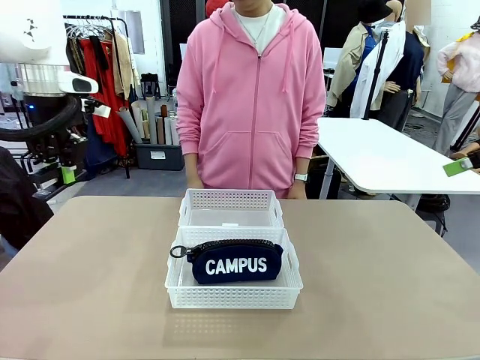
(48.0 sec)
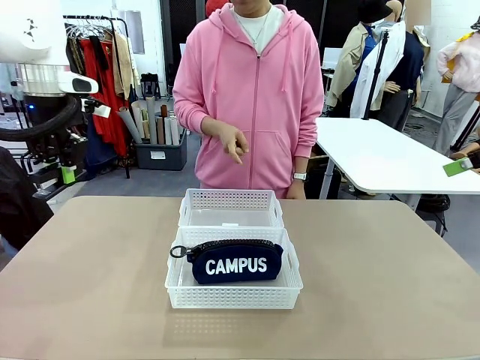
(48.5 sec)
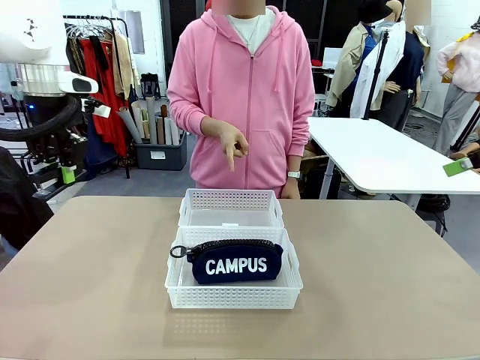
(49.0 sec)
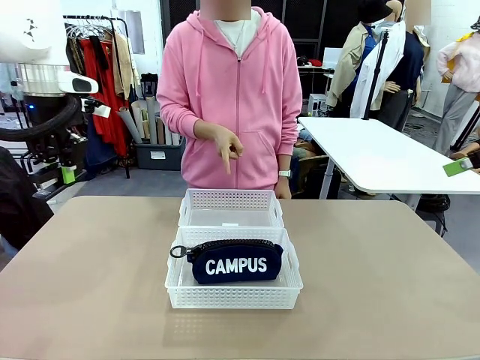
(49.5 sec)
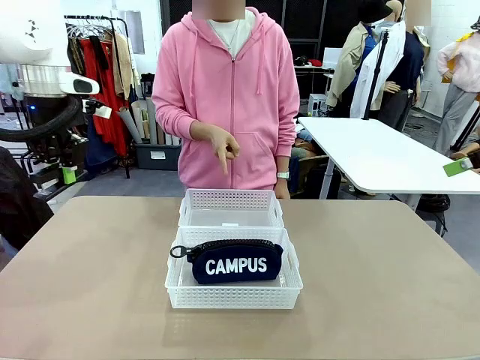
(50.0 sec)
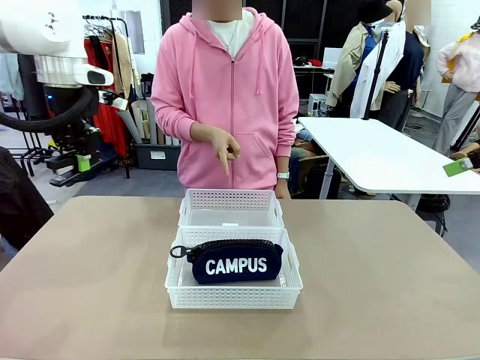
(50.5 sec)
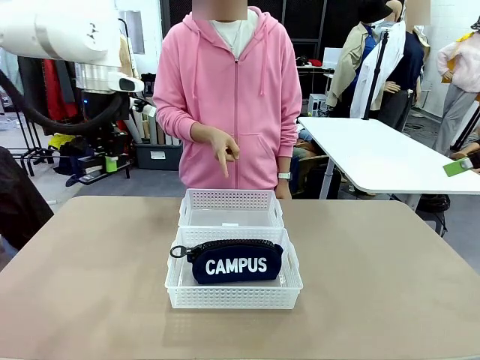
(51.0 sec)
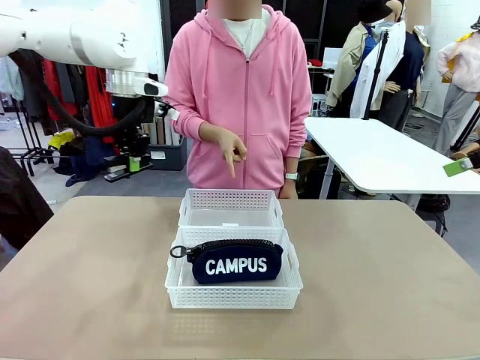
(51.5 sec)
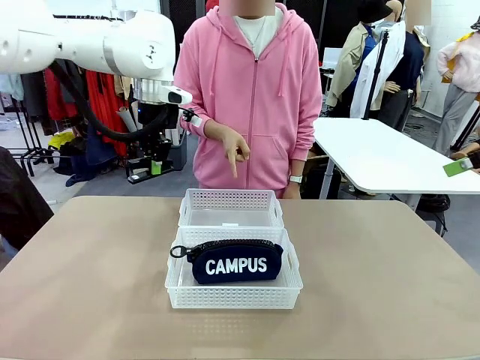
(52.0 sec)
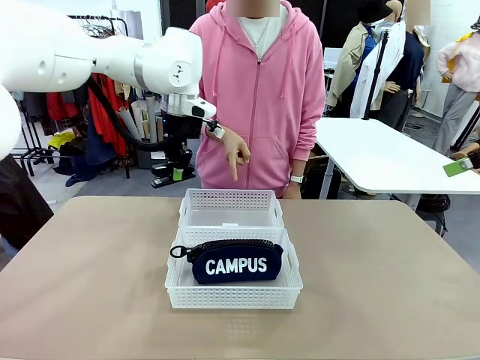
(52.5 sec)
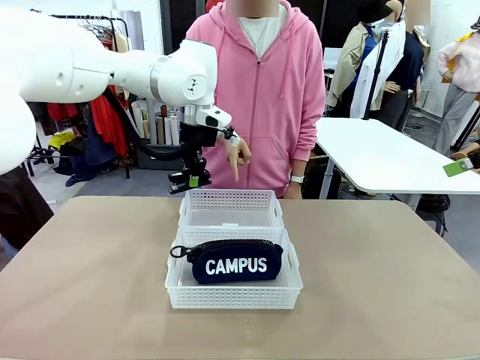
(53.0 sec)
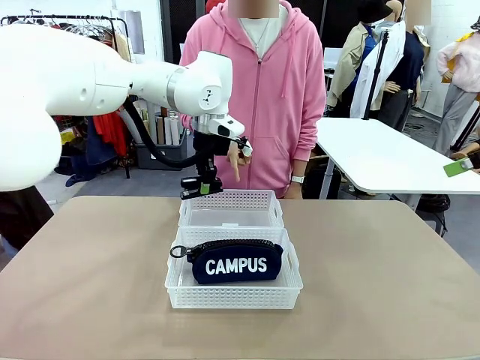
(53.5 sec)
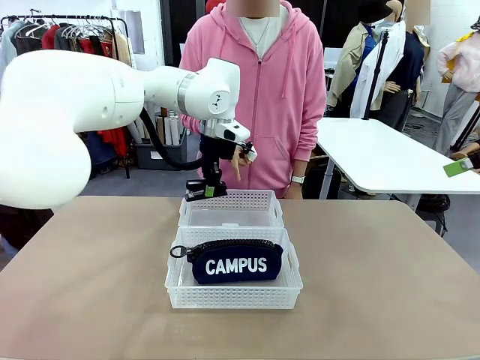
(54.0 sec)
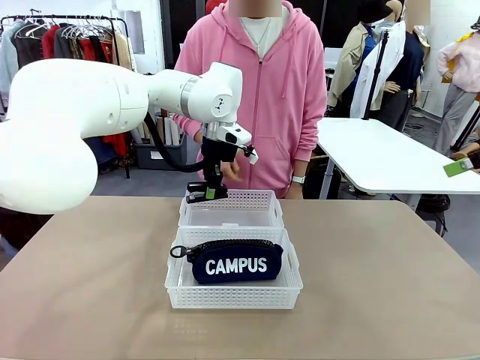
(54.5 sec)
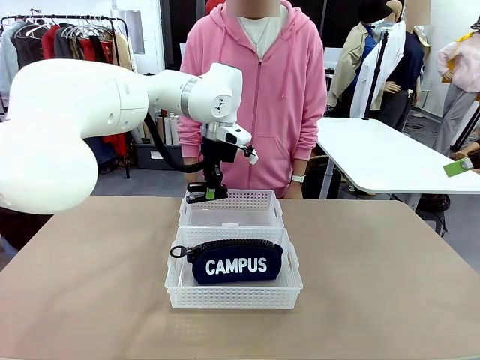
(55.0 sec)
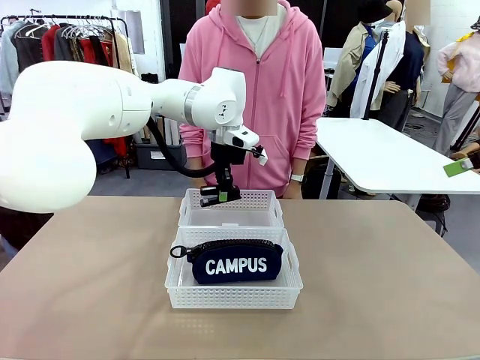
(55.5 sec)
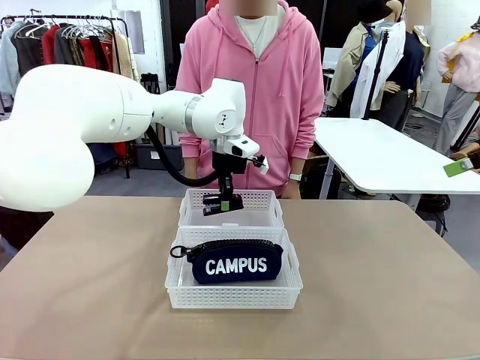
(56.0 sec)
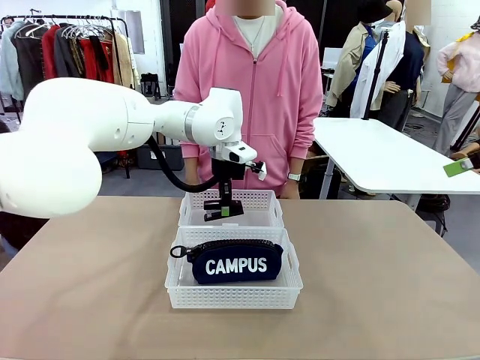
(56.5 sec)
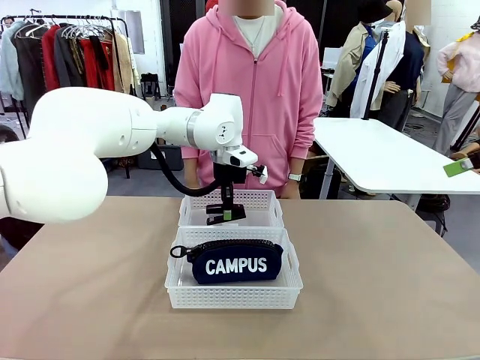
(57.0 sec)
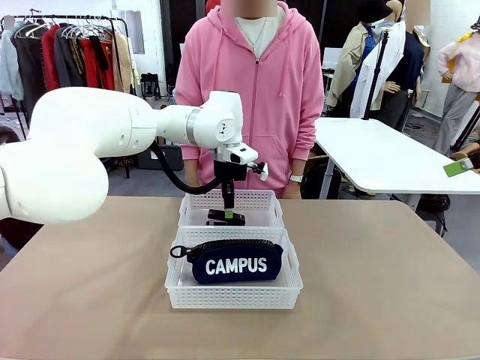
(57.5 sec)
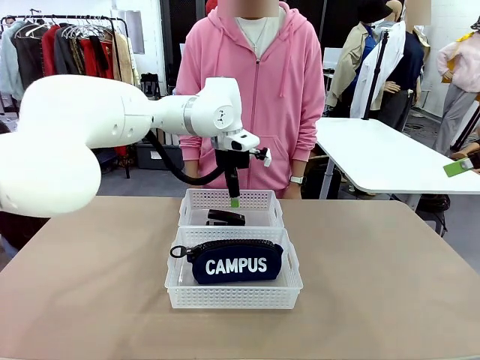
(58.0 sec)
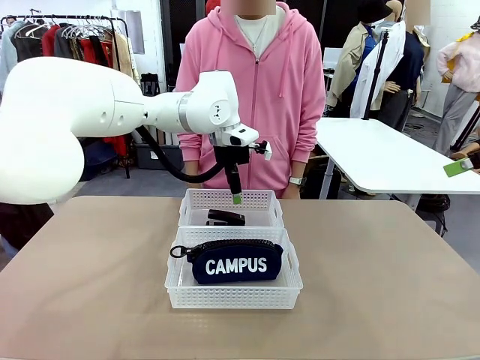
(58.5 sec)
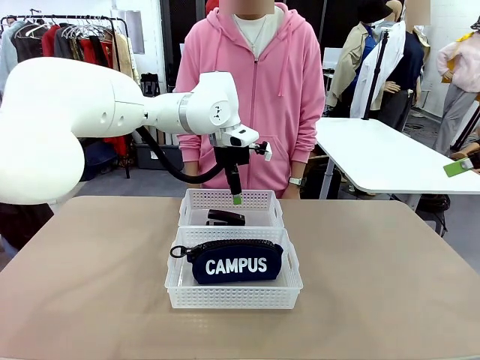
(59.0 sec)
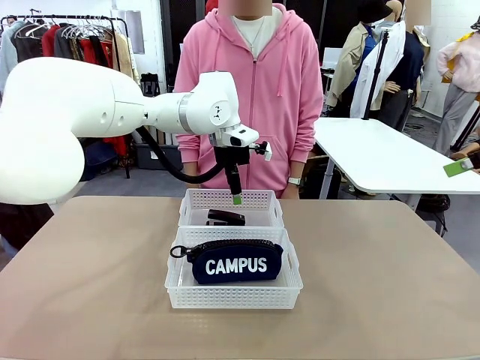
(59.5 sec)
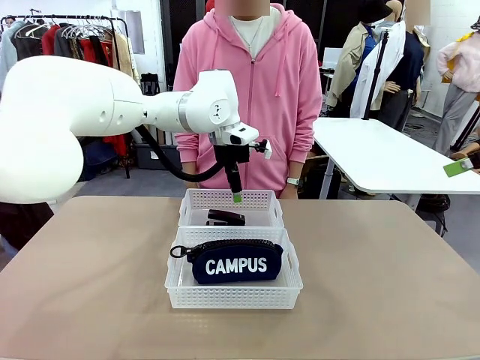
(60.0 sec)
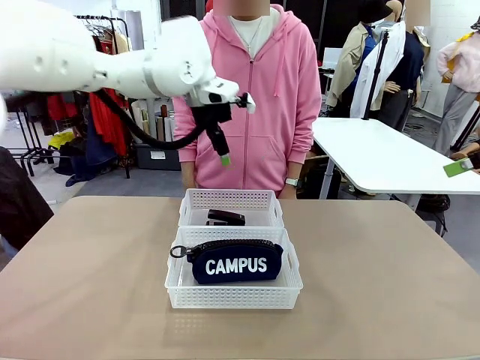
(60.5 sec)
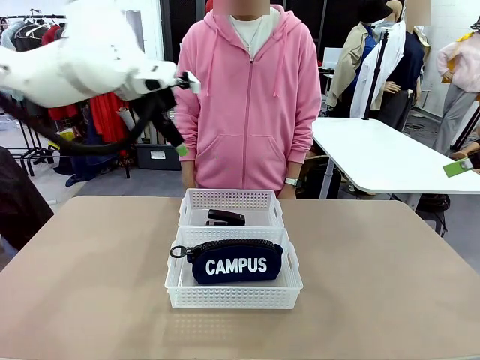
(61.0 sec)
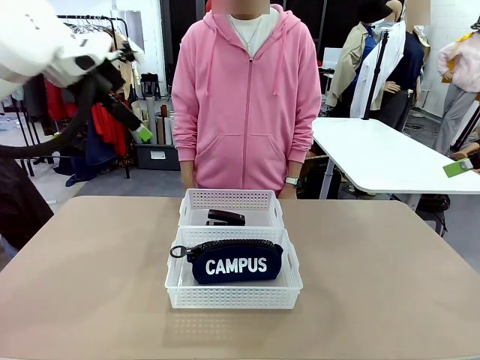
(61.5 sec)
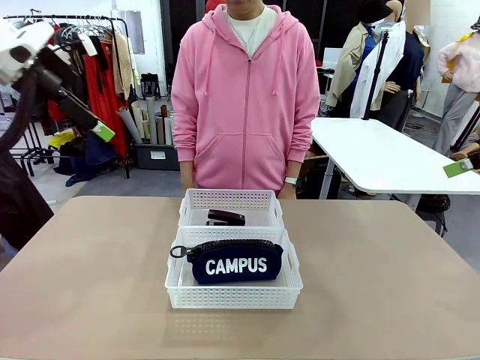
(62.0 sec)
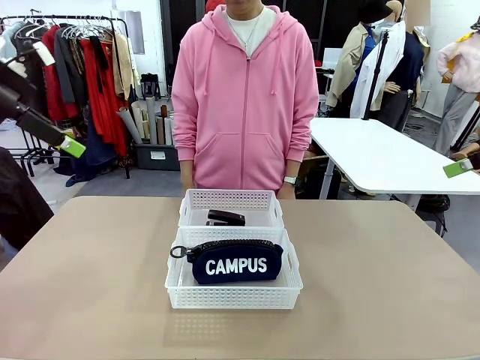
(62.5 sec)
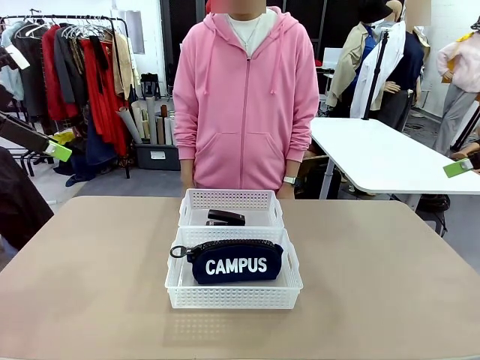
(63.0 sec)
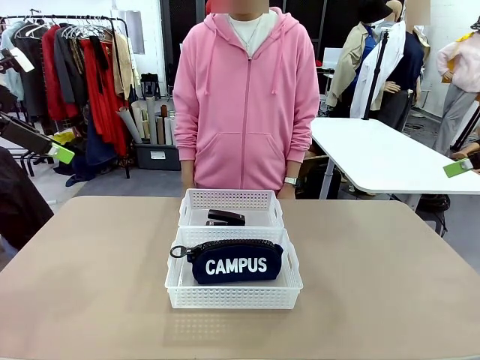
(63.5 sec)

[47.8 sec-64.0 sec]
Task: Distribute items into two baskets.
Robot: Place the picked Stapler into the Organizing basket as instructed by the person.
Person: Points to the basket that does not contain the pencil case and instructs the robot to move the stapler there.

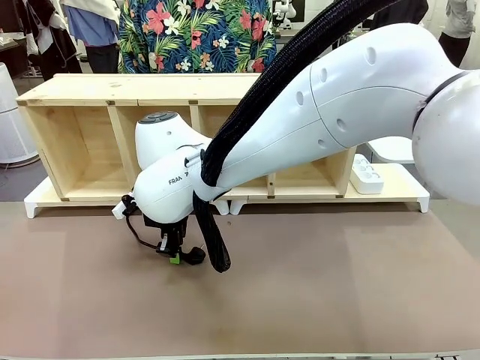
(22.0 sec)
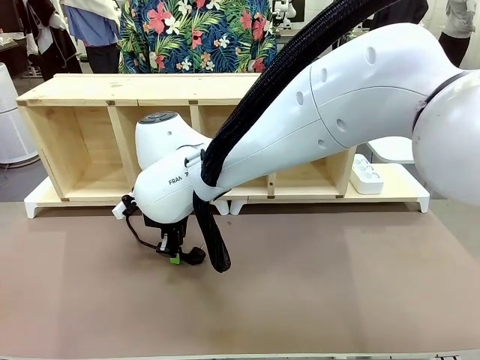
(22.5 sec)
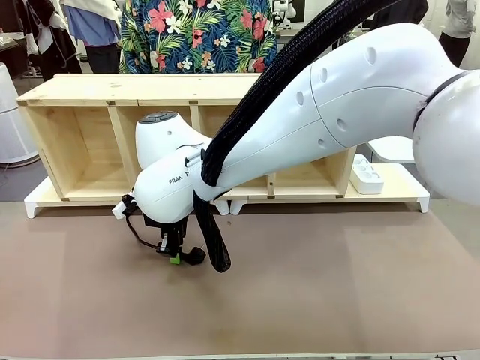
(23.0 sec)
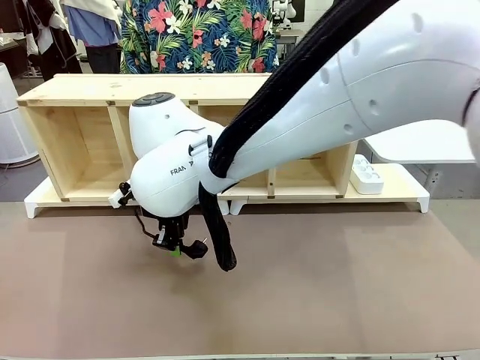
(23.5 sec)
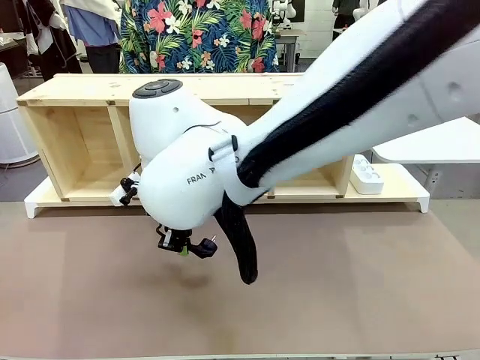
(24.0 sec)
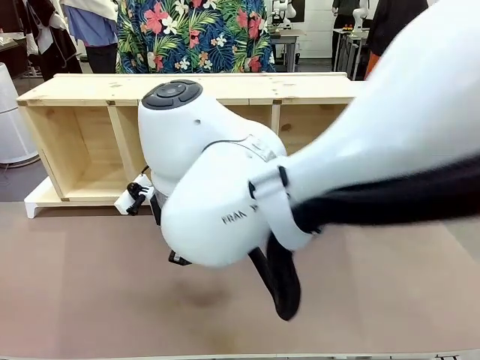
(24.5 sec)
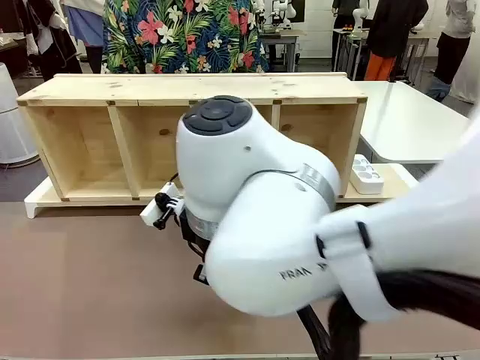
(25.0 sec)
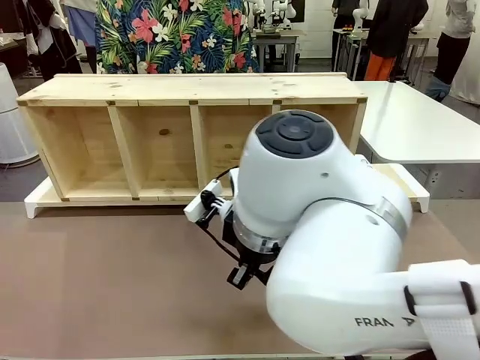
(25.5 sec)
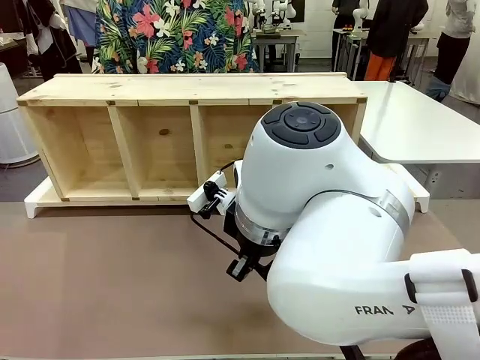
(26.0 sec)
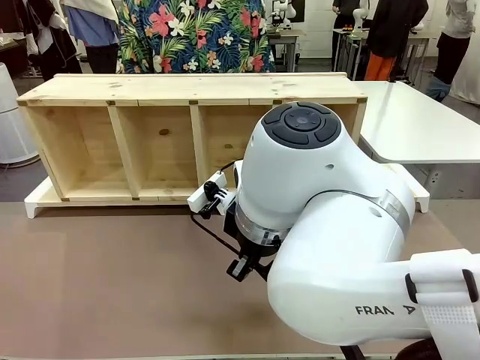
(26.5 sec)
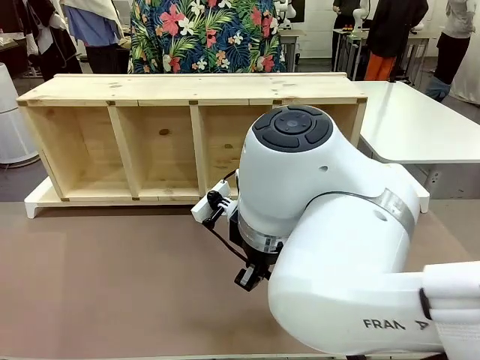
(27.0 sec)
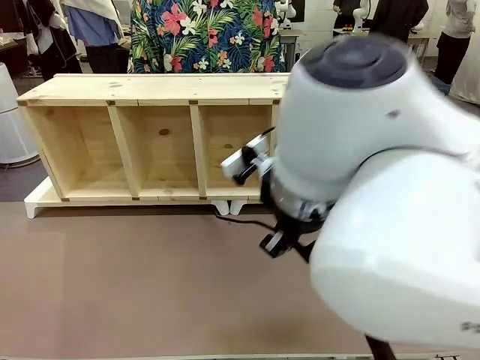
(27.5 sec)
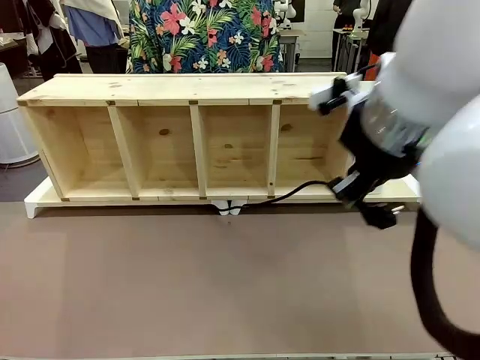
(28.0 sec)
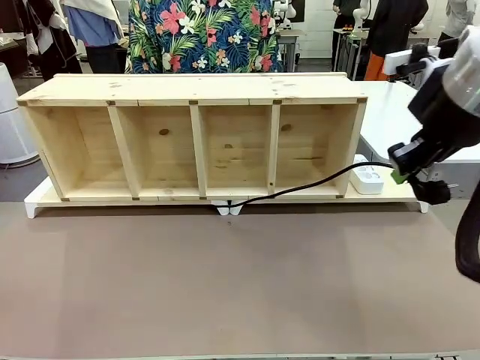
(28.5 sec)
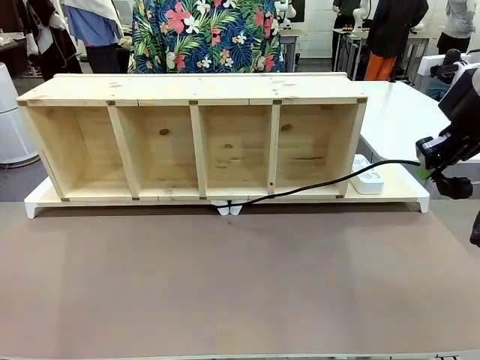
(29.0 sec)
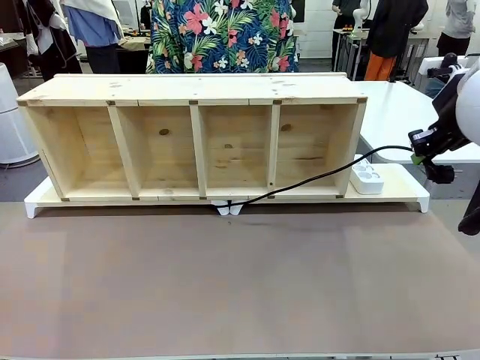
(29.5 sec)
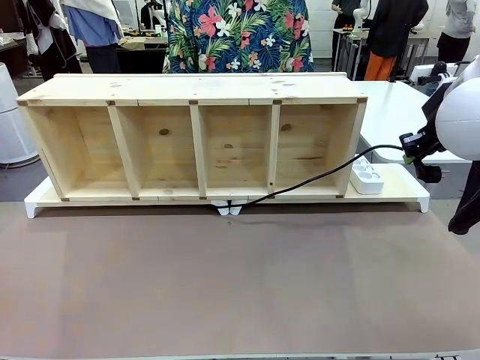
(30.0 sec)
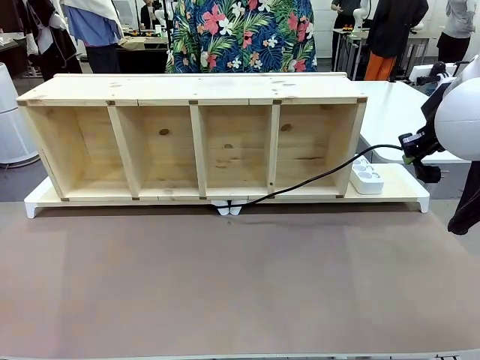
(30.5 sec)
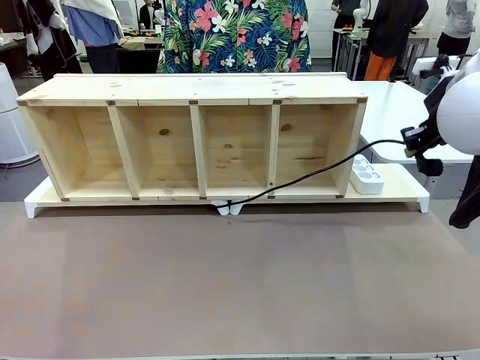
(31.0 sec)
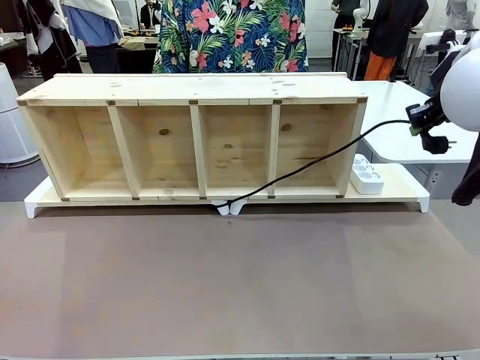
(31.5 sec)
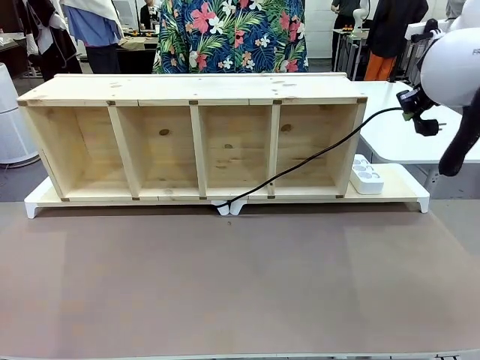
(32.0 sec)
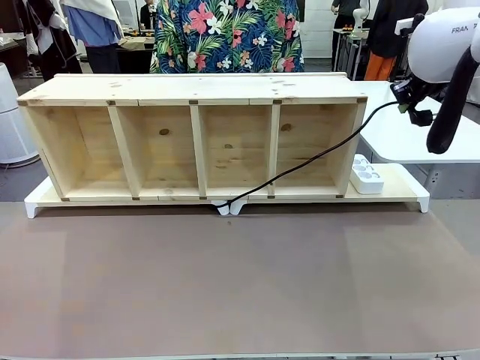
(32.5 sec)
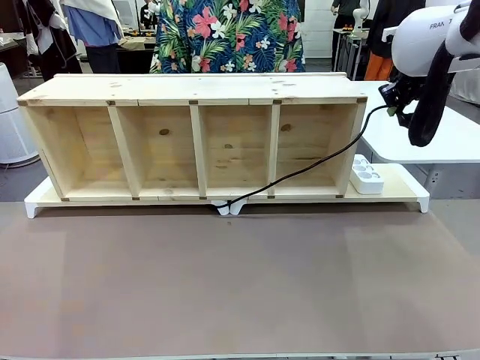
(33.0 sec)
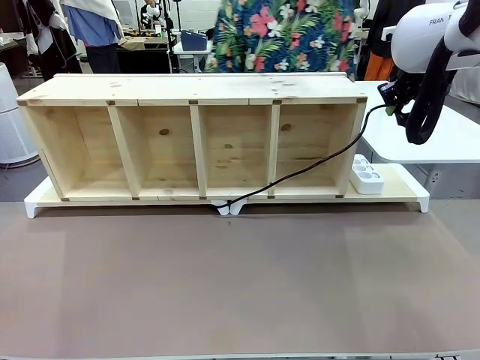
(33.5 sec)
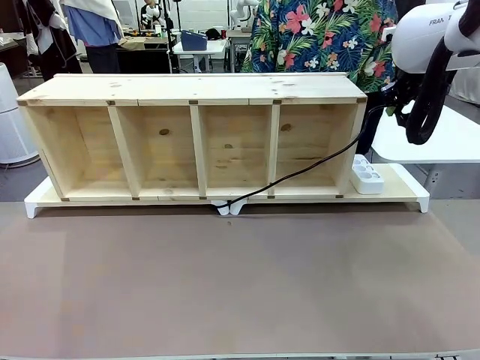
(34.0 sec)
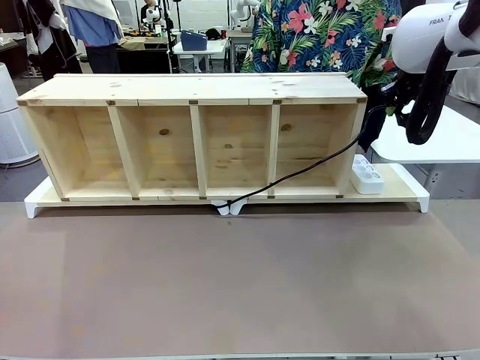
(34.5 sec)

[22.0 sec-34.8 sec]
Task: Perform cable management.
Robot: Pull the grasped Power Cable to the location of the Power Strip.
